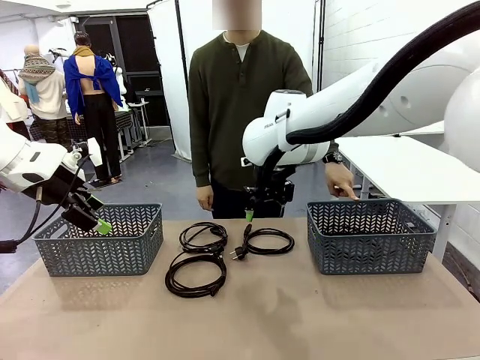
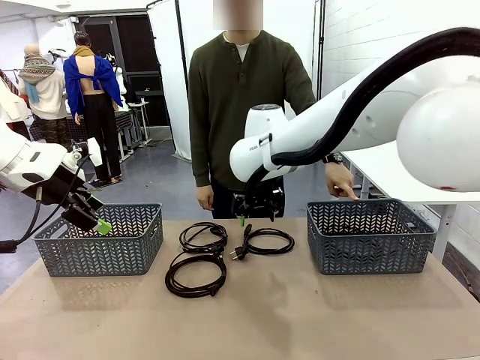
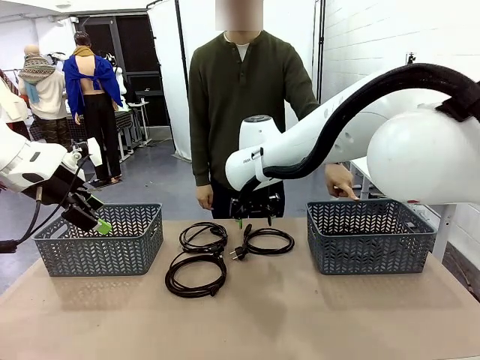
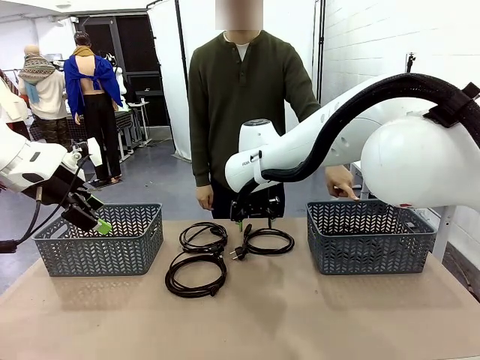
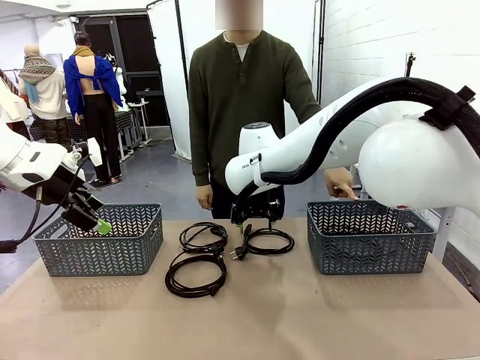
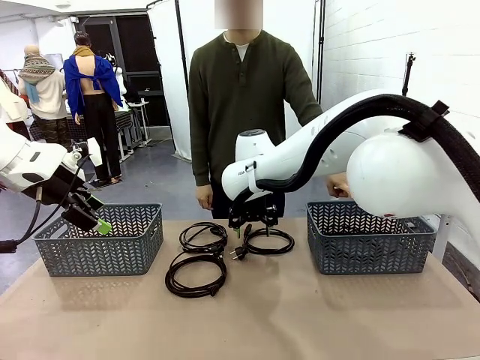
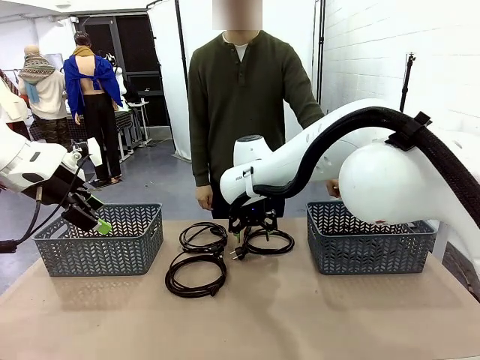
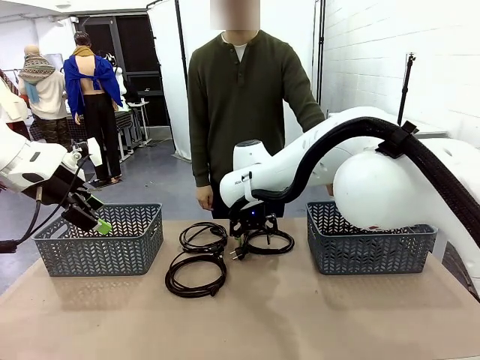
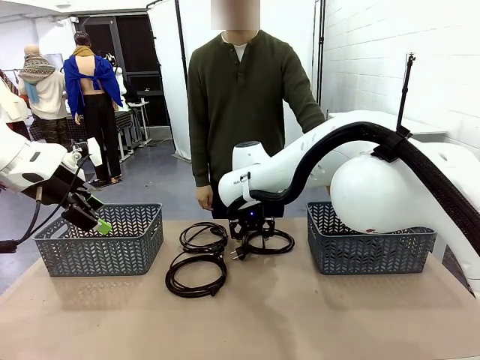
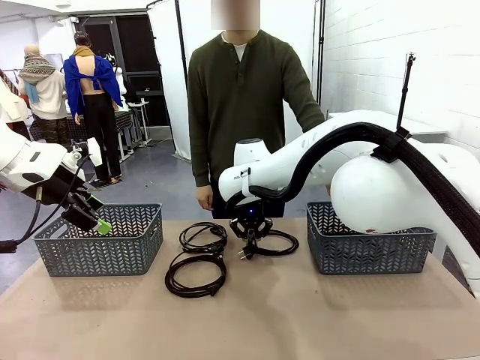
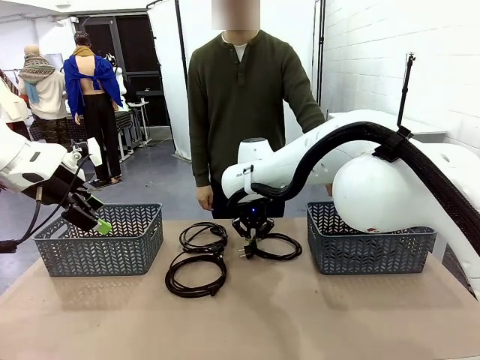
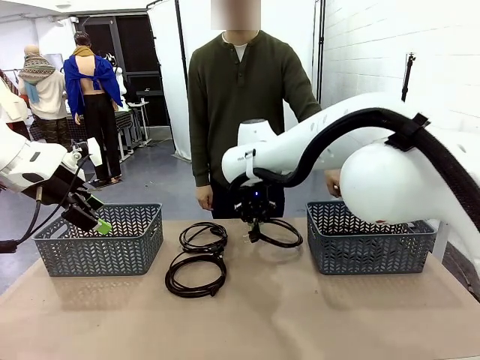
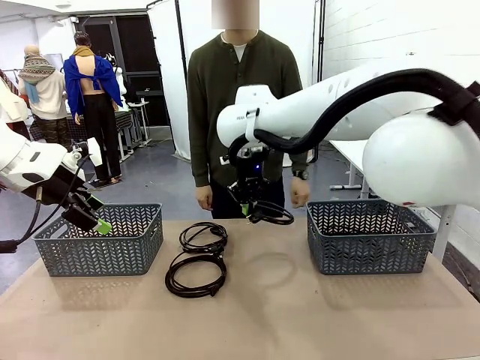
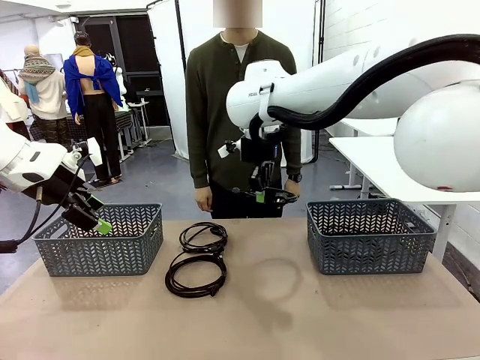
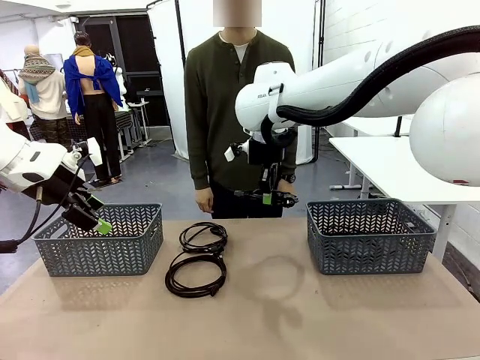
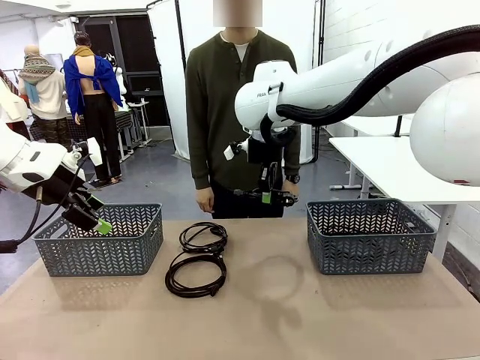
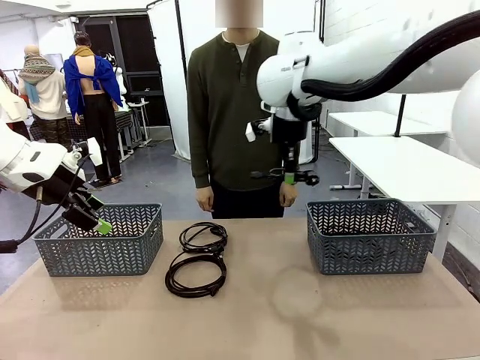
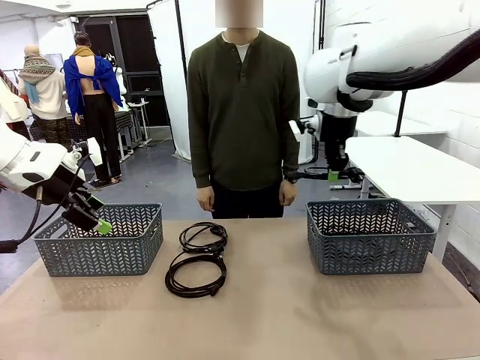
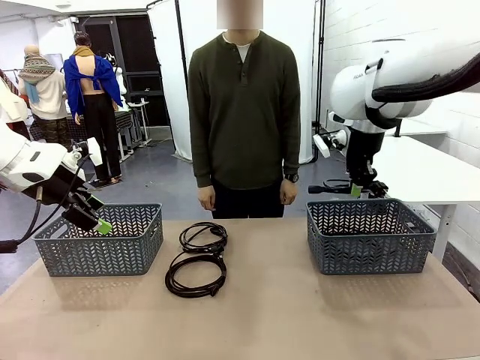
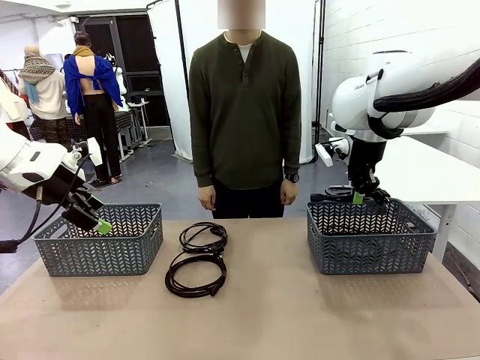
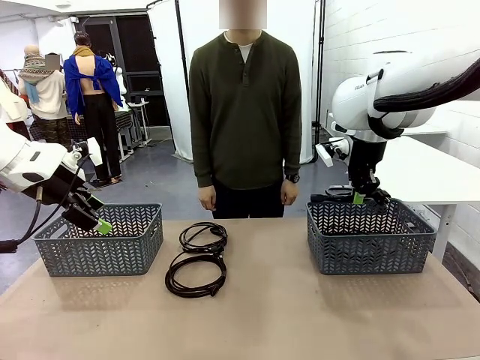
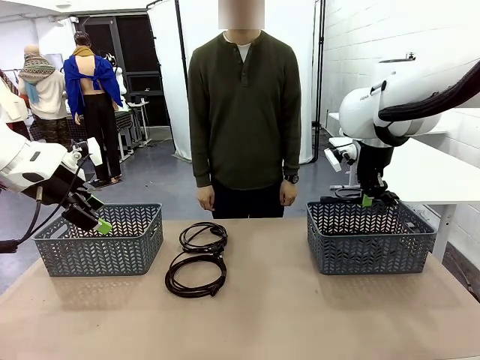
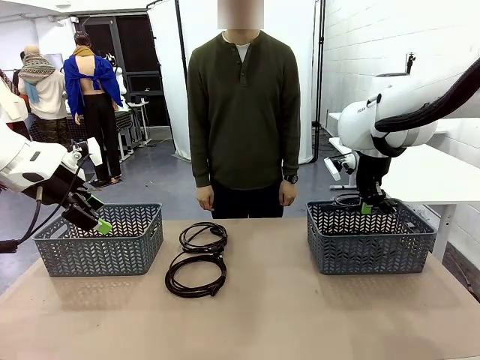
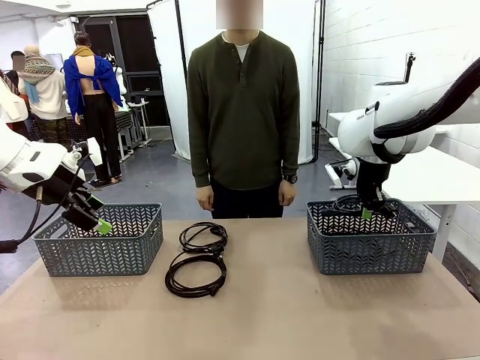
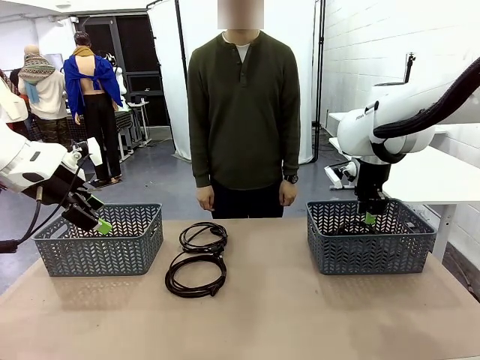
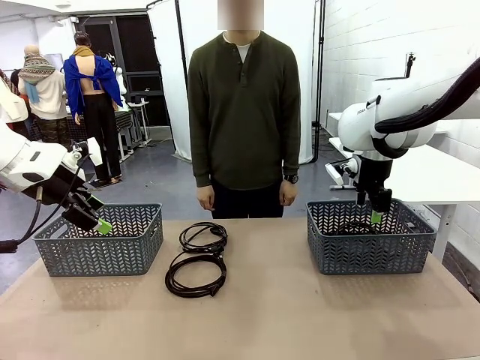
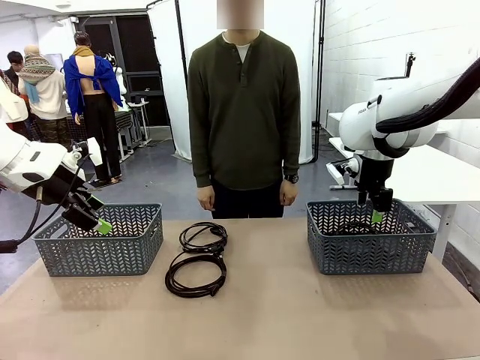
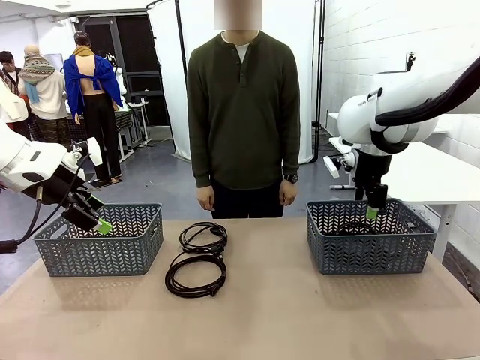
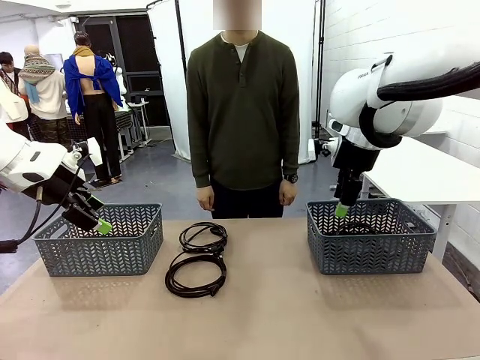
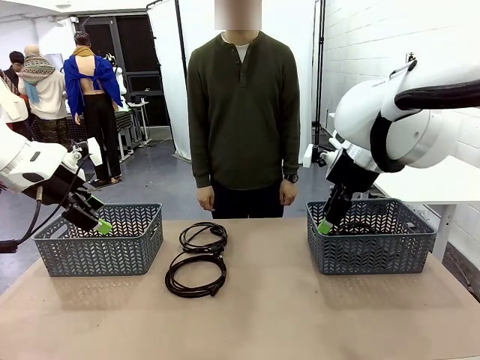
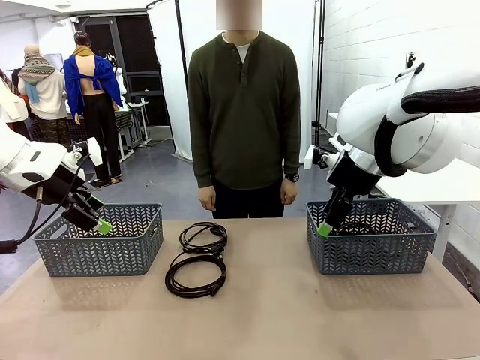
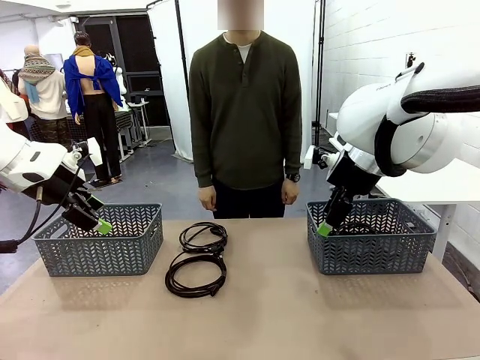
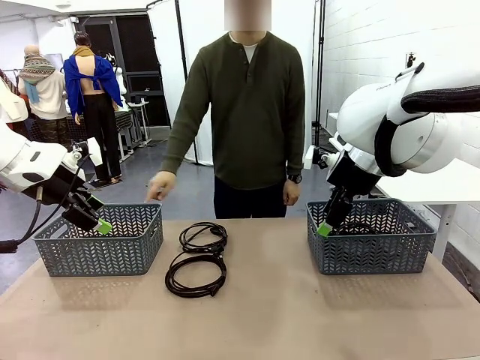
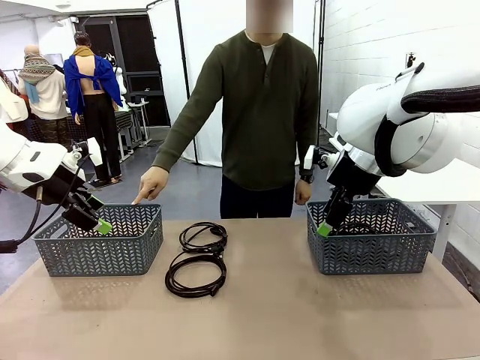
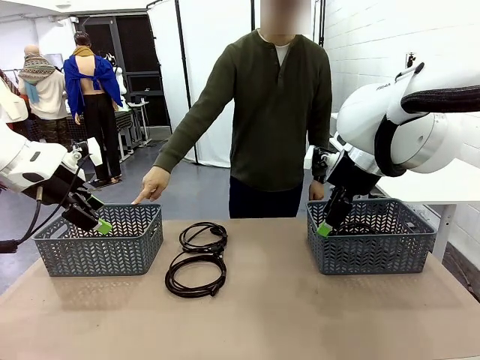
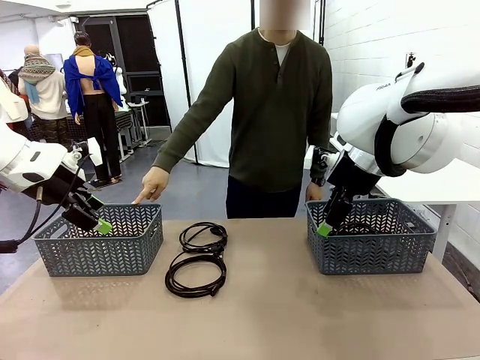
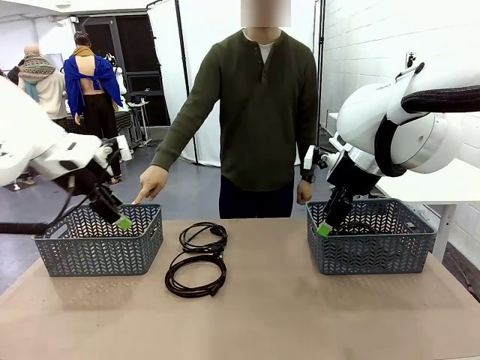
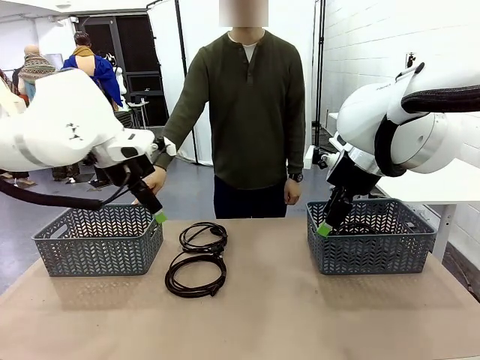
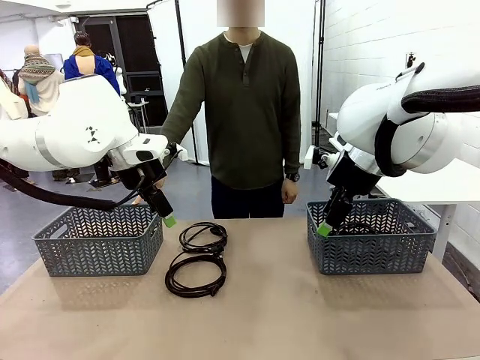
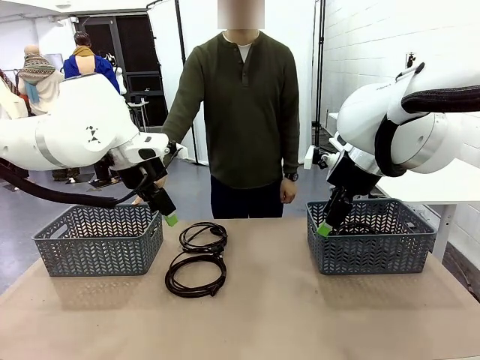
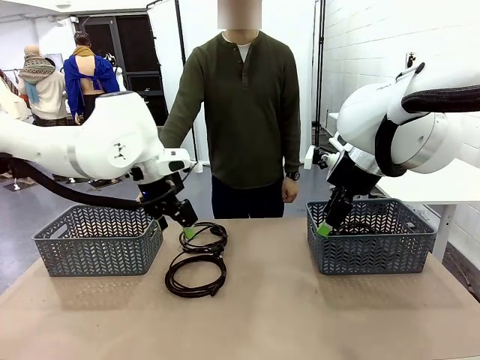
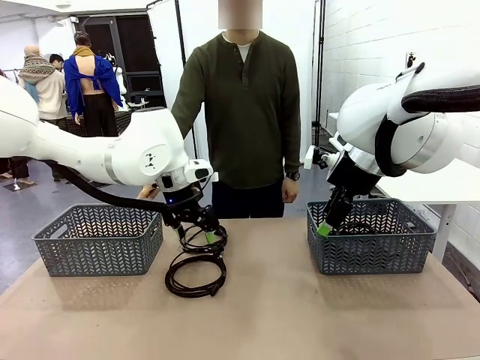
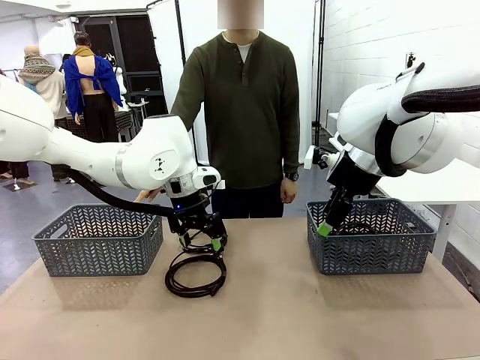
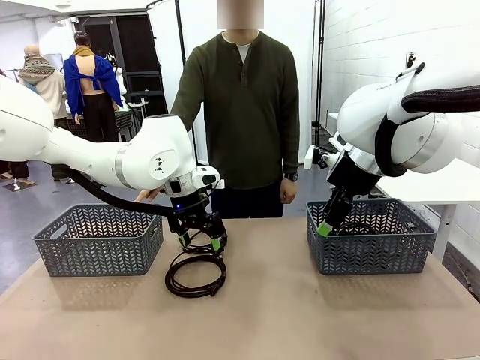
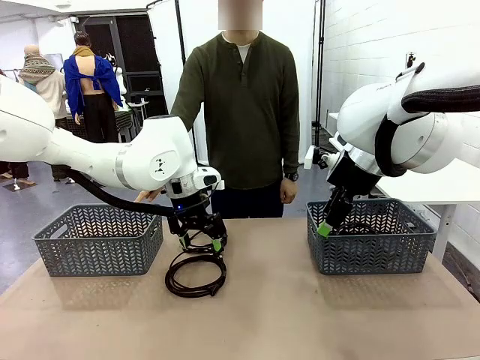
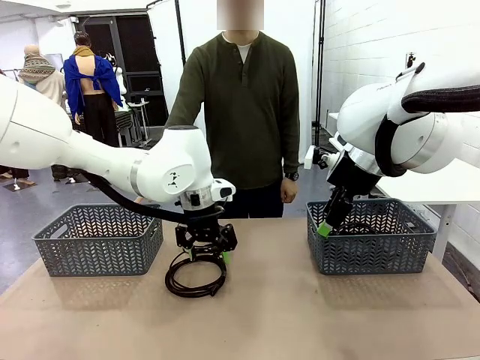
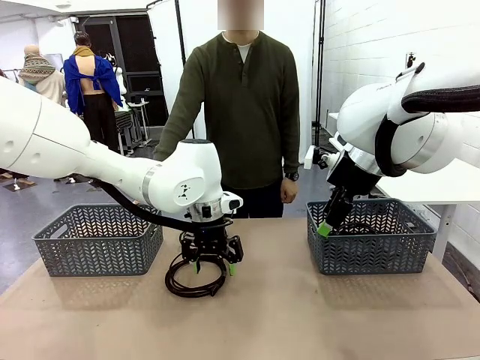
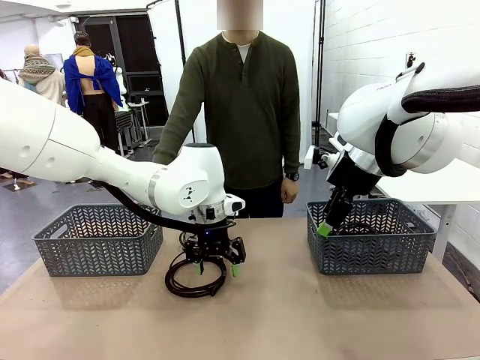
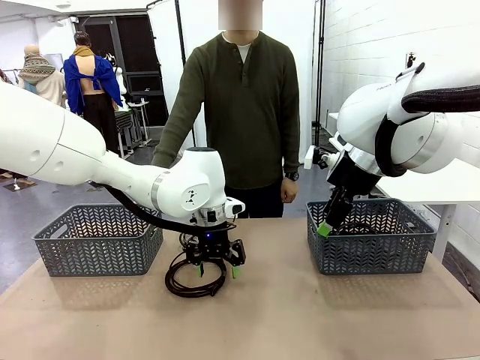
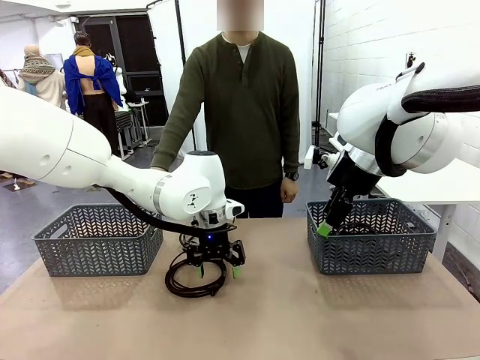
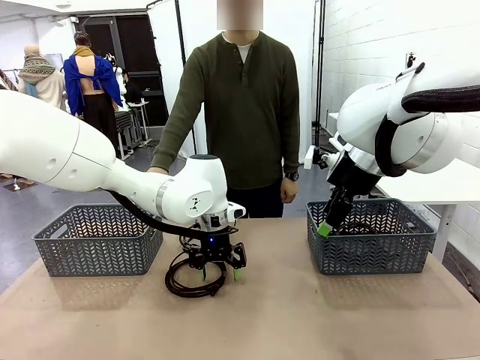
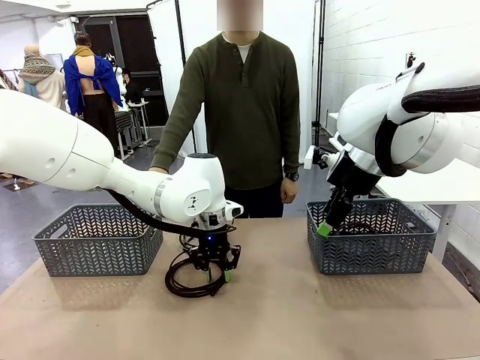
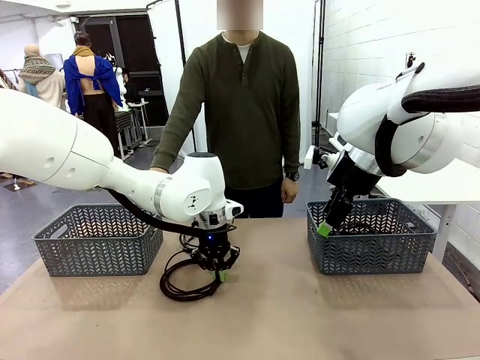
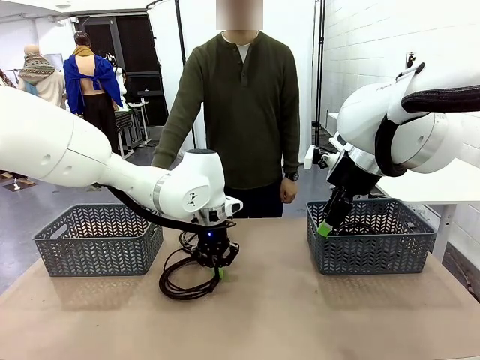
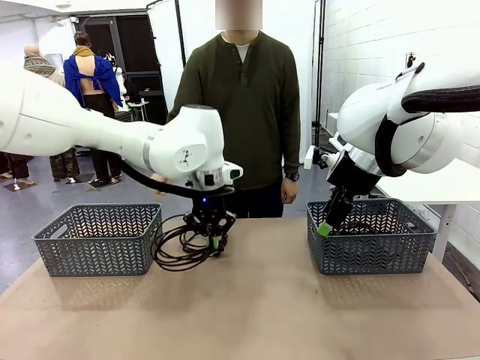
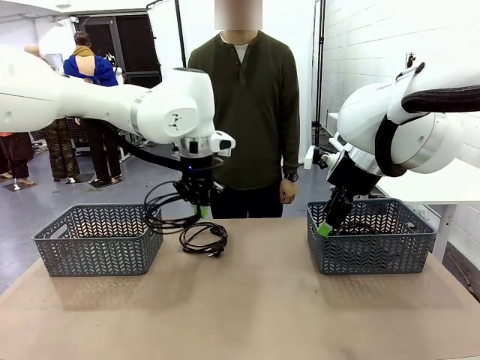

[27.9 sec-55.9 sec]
Task: Organize the cables according to human instructions.
Robot: Pick up a bundle of cables and place it in the basket indicated by the human.
